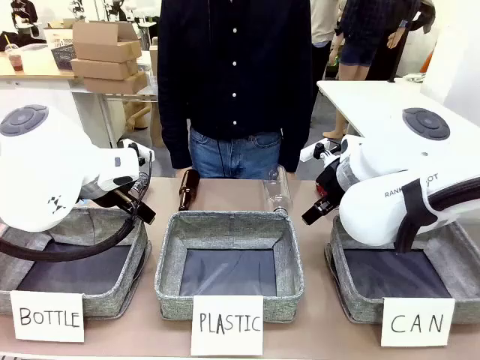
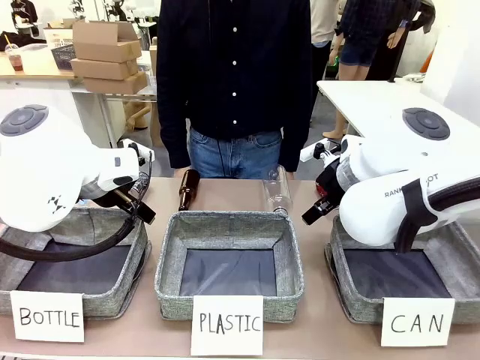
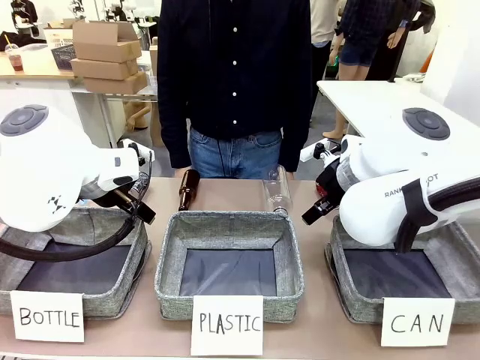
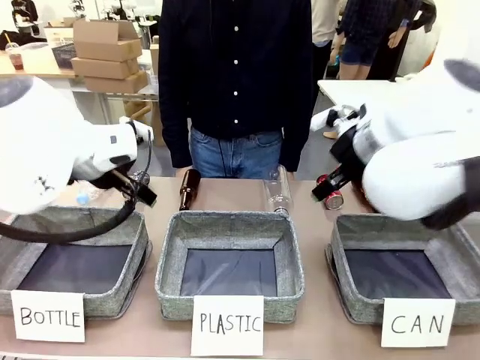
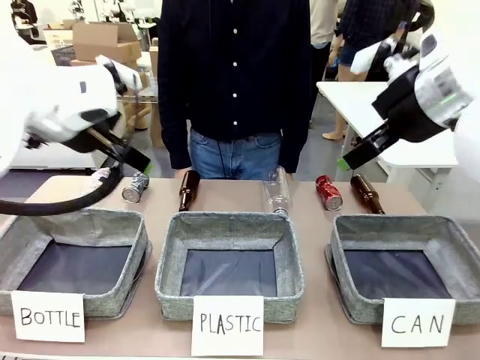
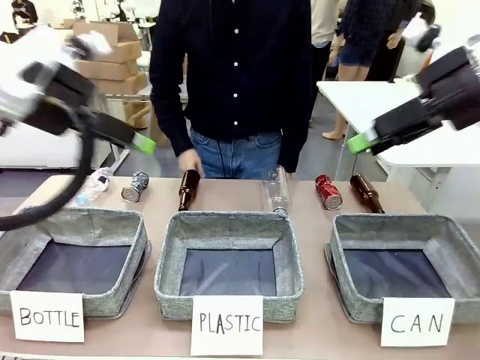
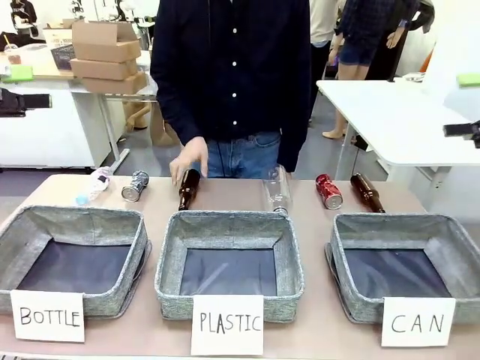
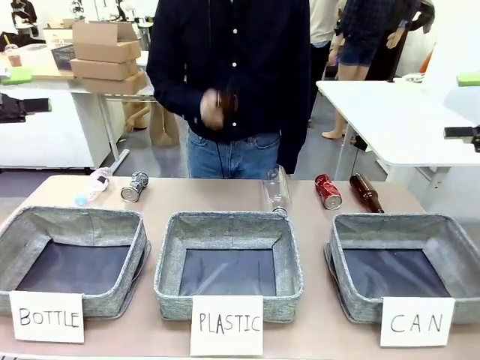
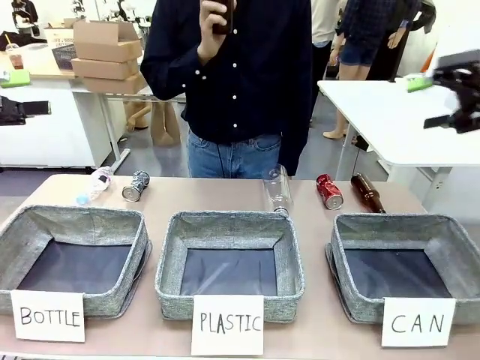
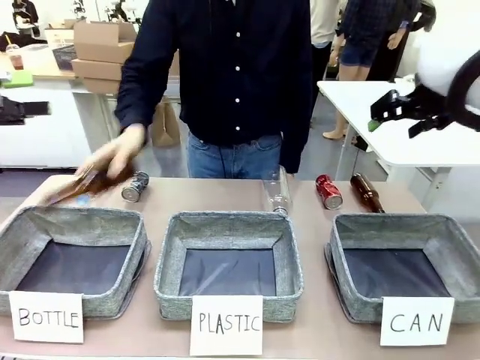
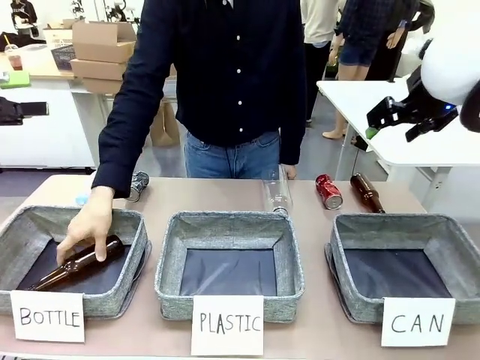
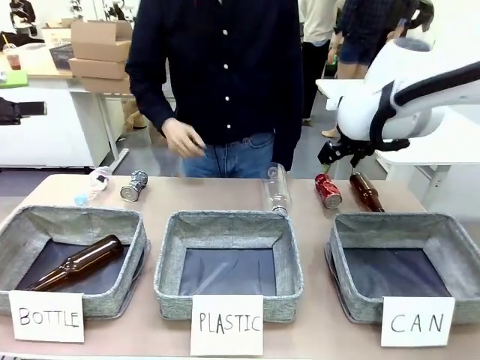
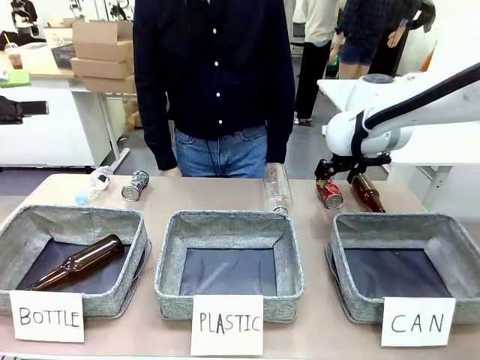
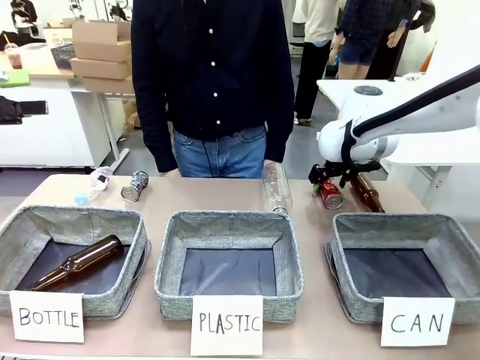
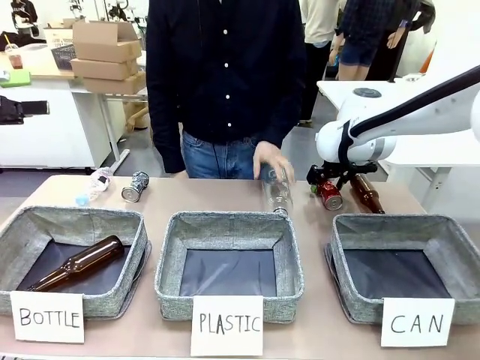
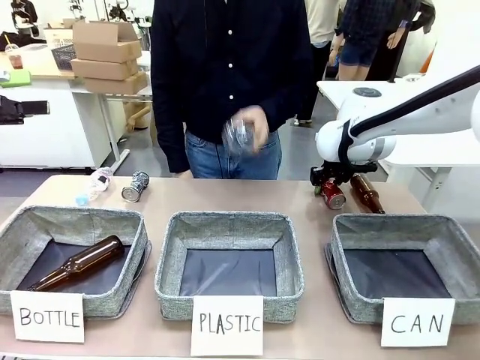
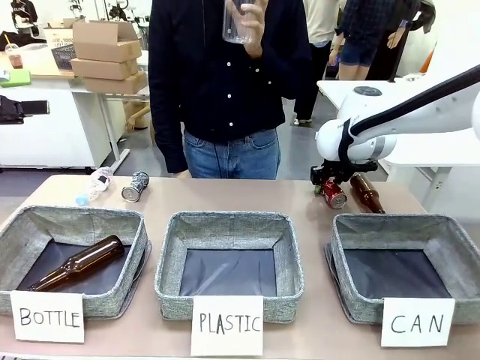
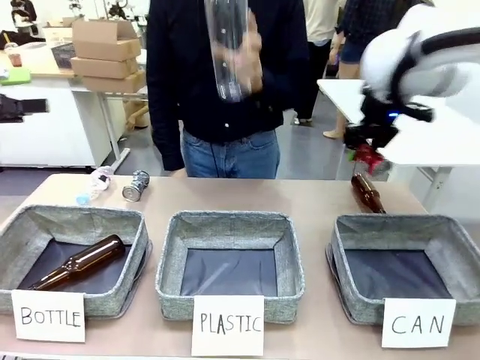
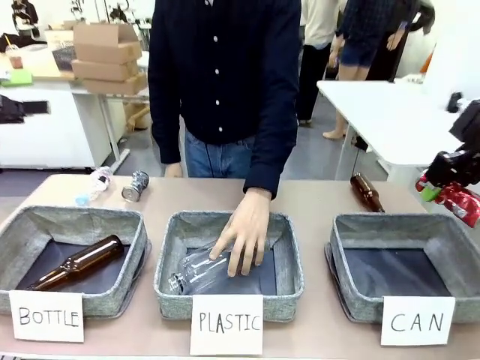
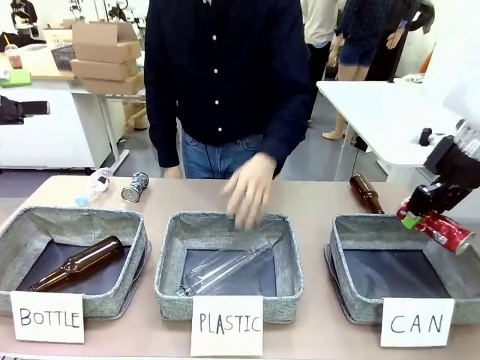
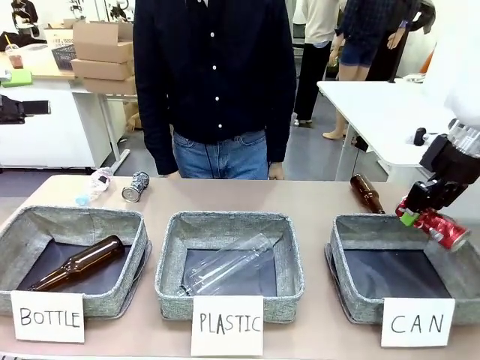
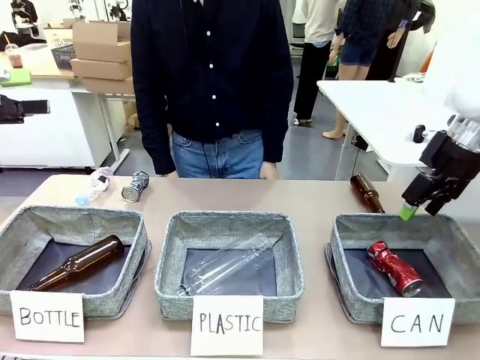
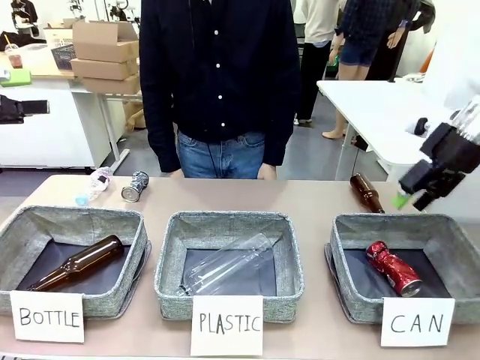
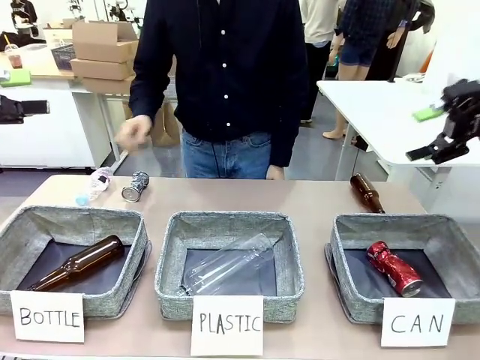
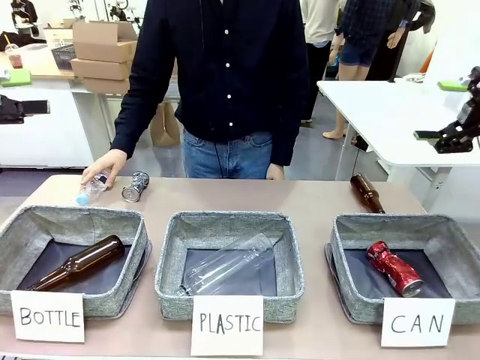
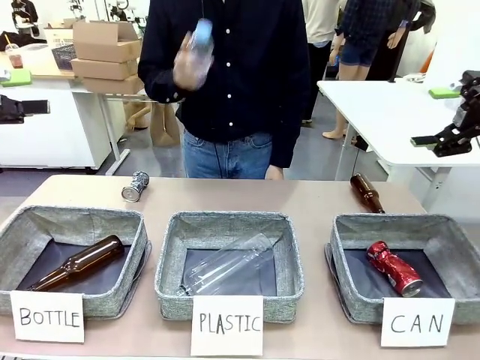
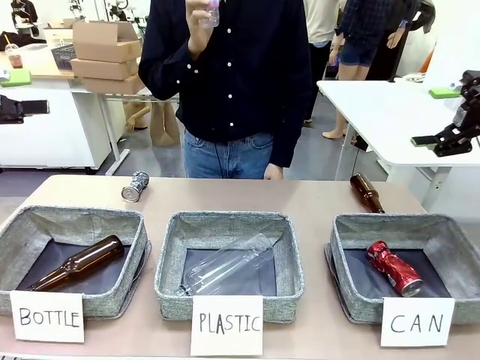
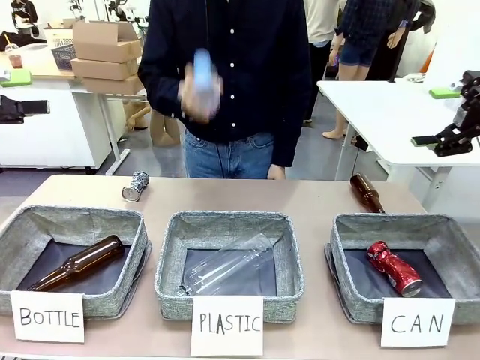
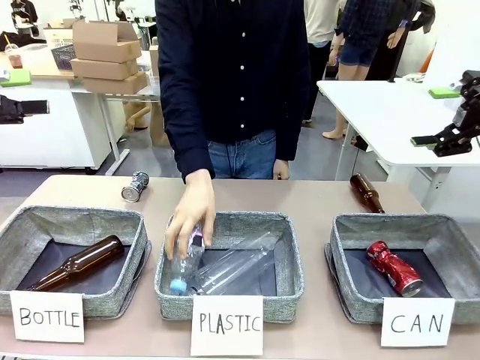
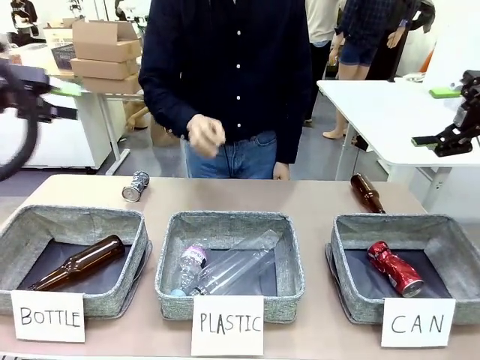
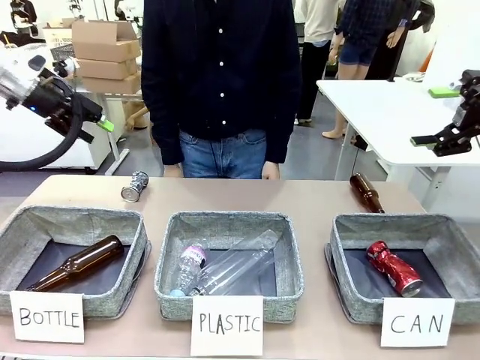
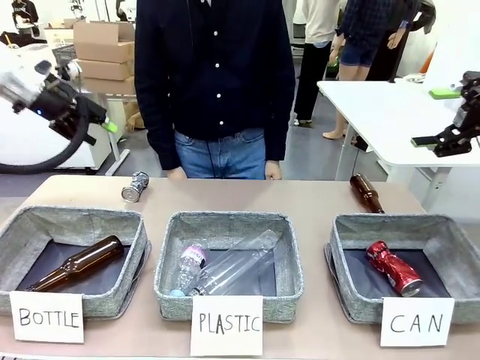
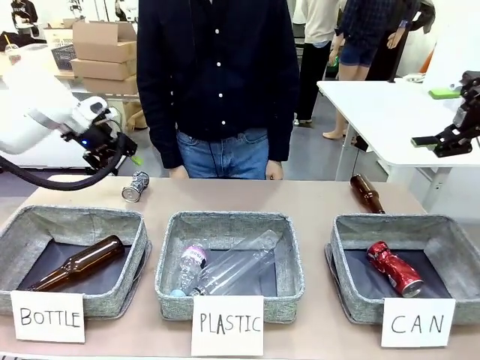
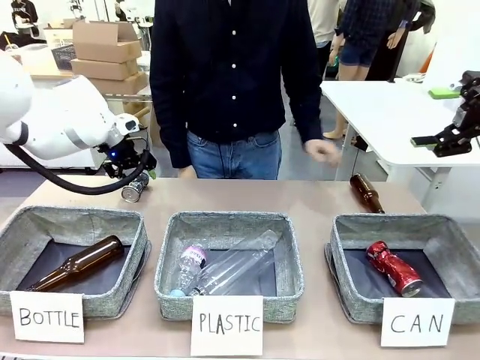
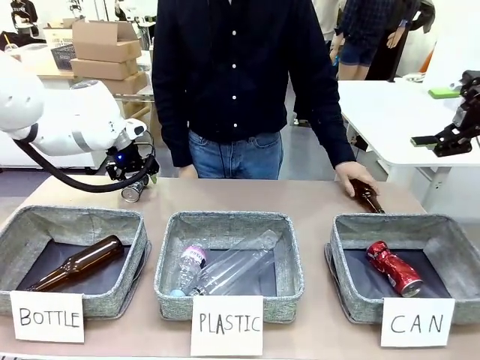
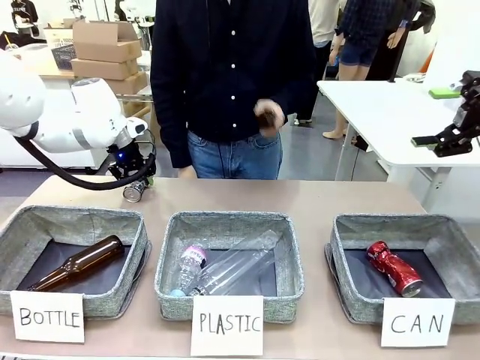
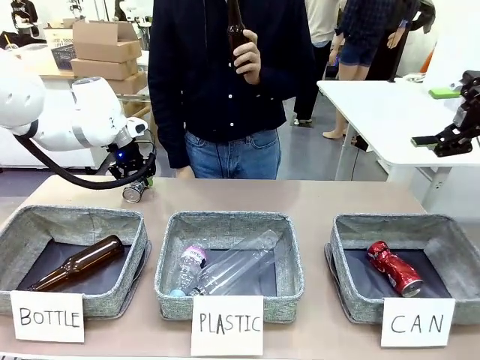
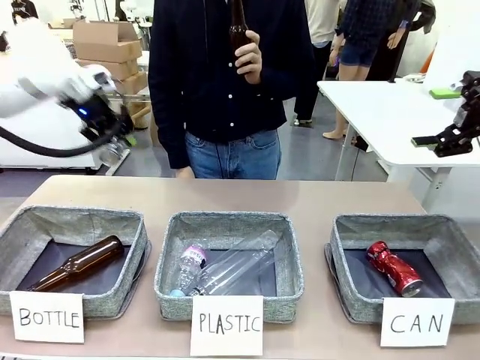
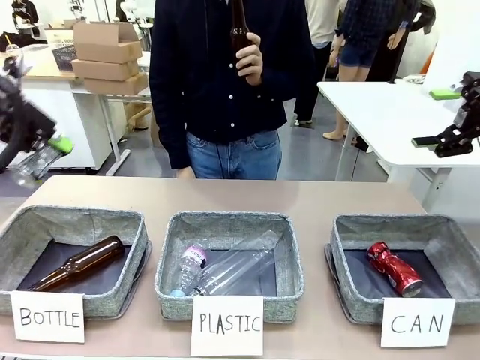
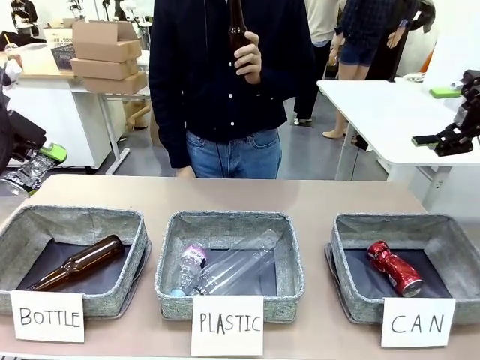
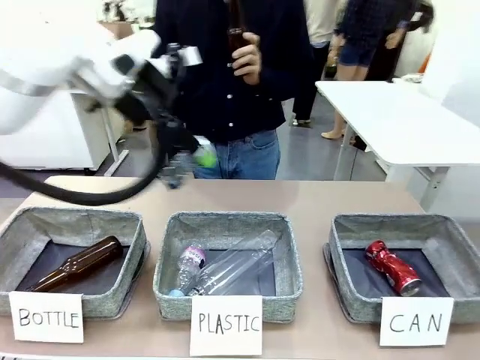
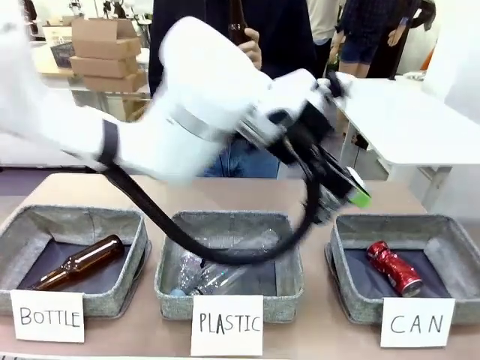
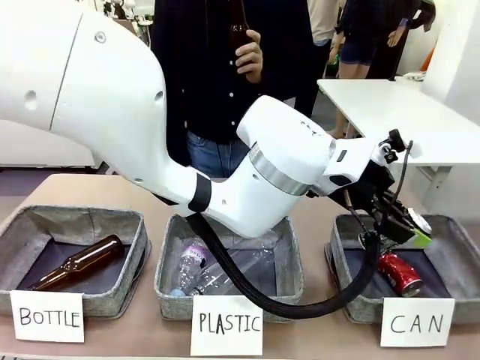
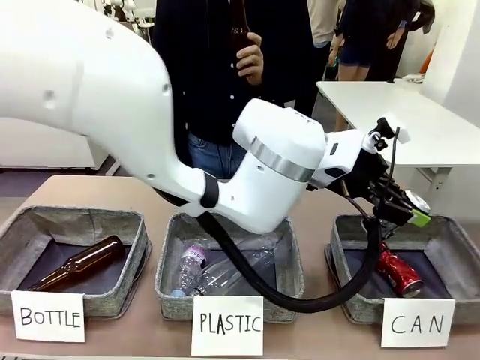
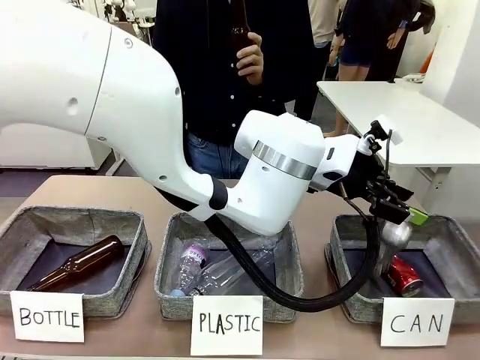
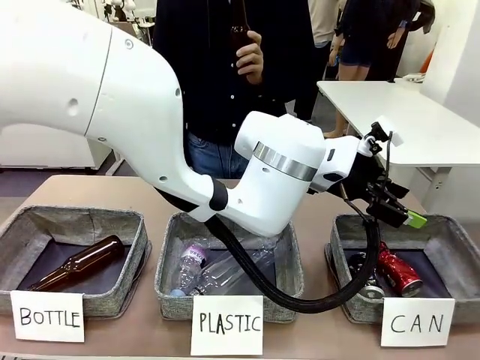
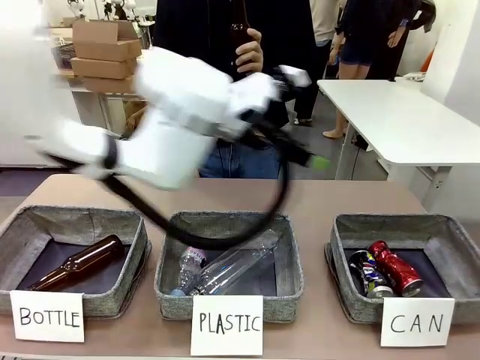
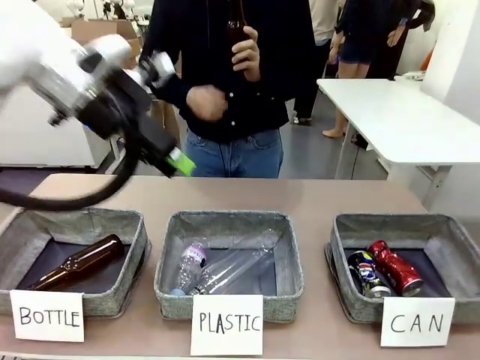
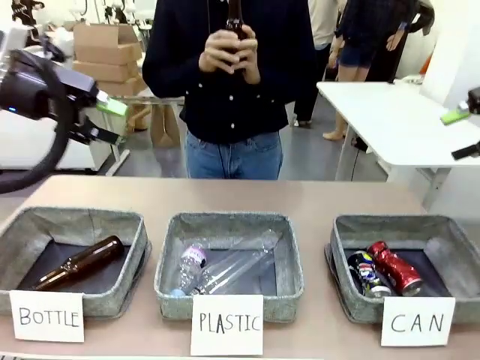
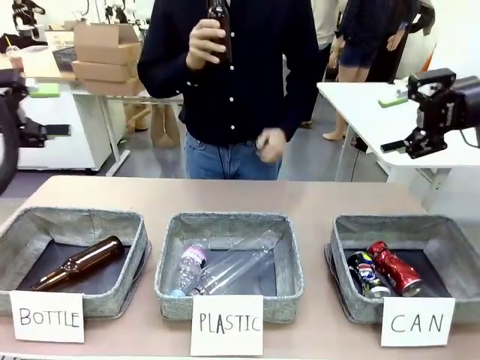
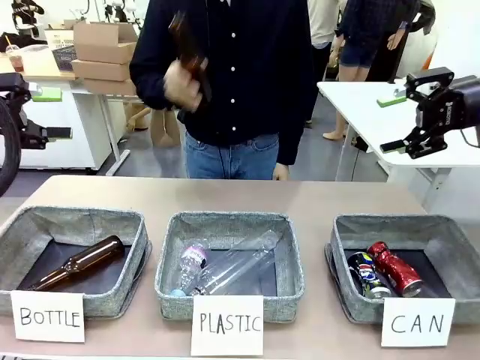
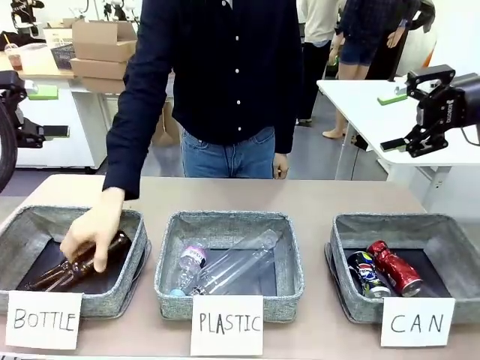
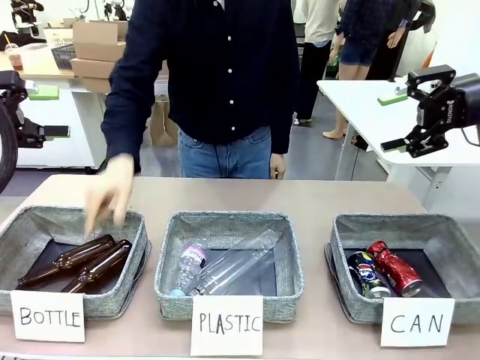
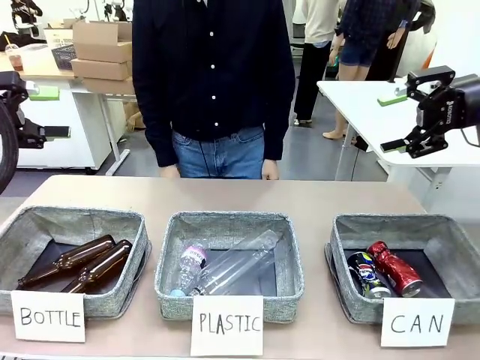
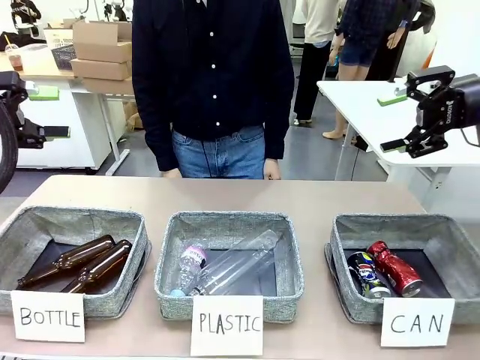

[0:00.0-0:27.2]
Task: Sort the can waste into the basket.
Robot: Pick up the can waste from the table and place it in the right Fabric basket.
Person: The human picks up one piece of trash that is not a can and places the trash into the appropriate organizing basket.
